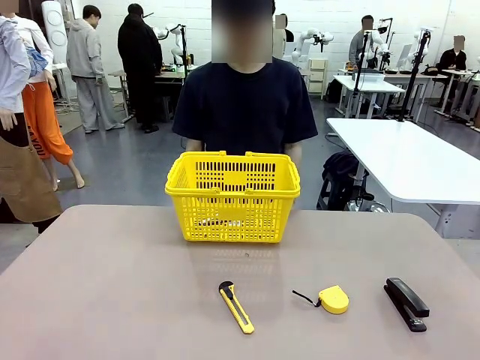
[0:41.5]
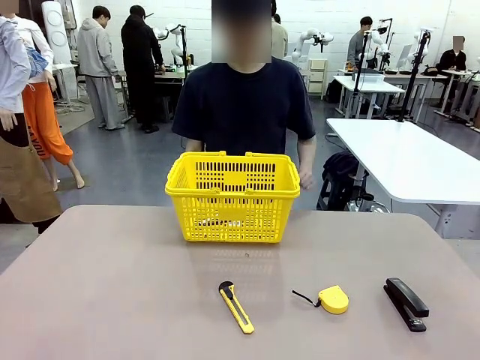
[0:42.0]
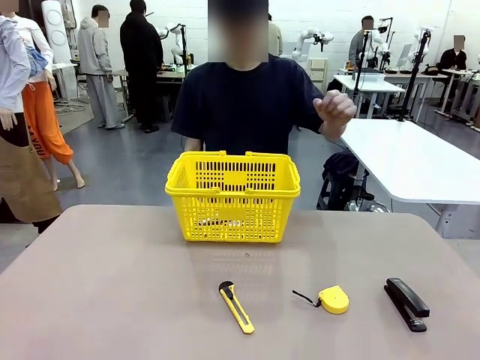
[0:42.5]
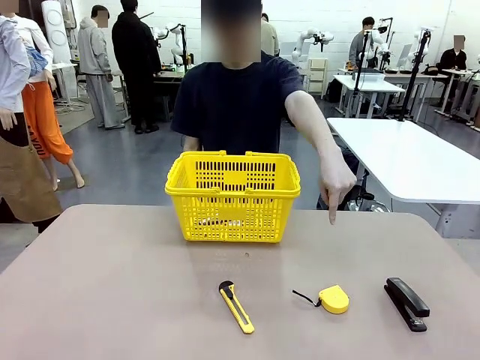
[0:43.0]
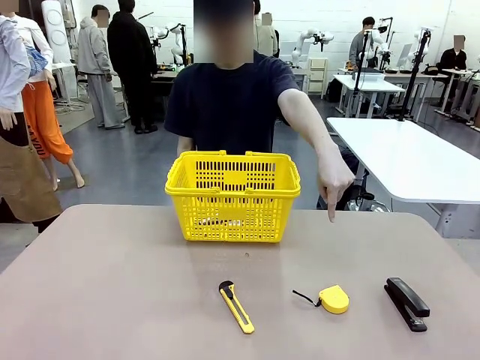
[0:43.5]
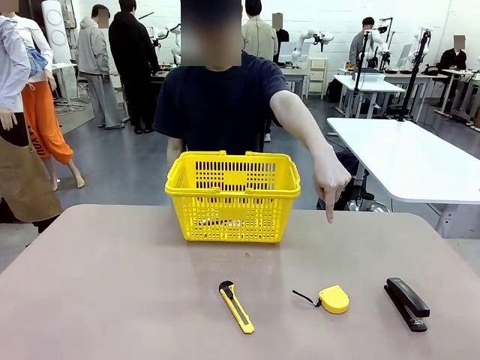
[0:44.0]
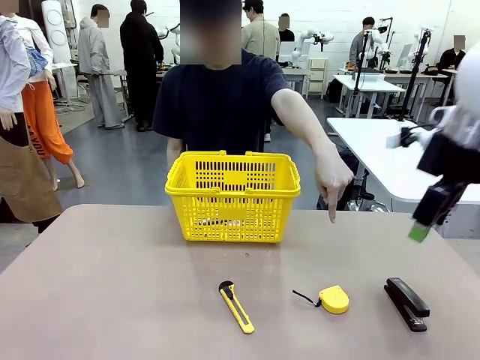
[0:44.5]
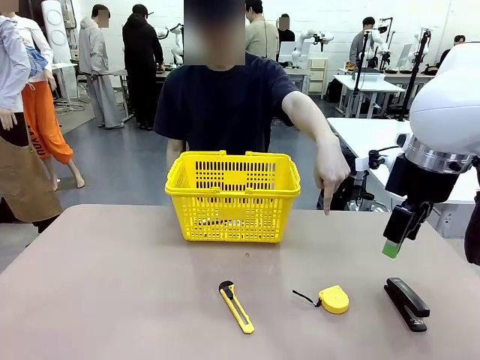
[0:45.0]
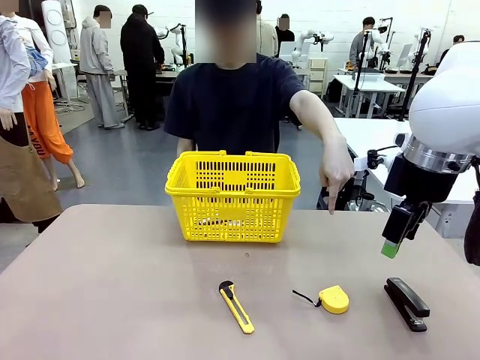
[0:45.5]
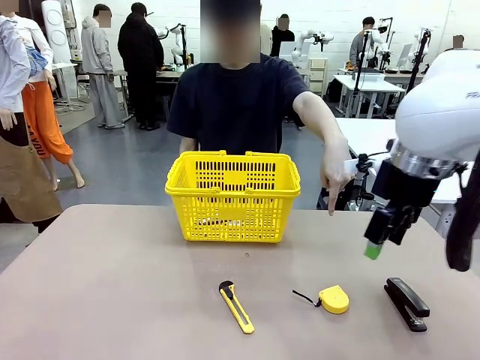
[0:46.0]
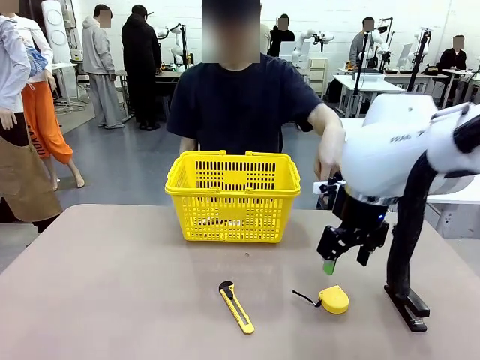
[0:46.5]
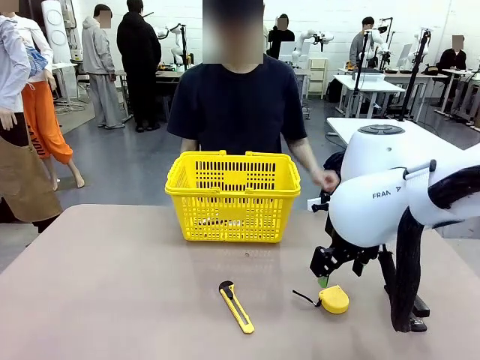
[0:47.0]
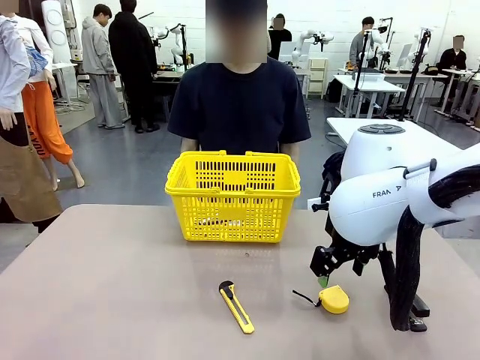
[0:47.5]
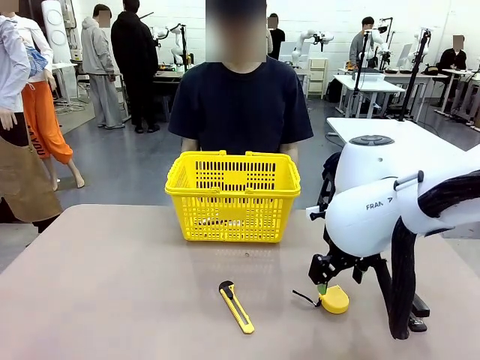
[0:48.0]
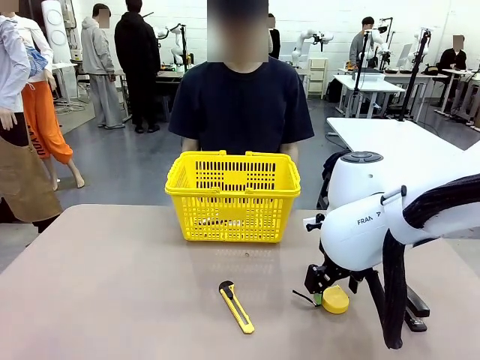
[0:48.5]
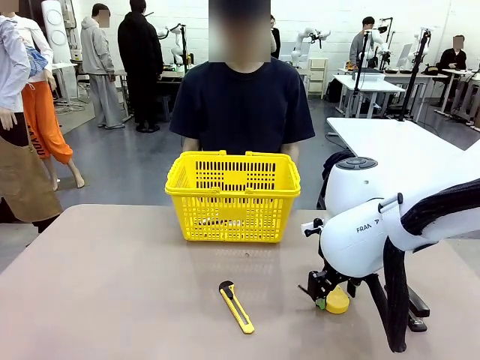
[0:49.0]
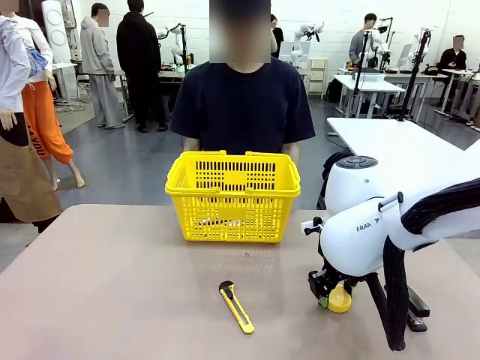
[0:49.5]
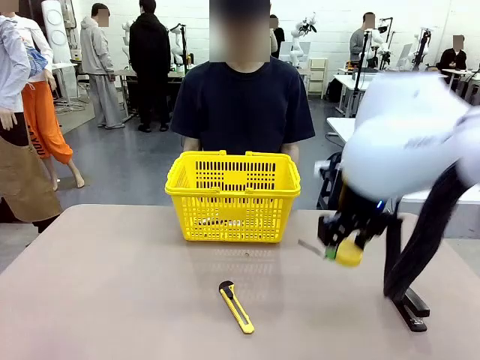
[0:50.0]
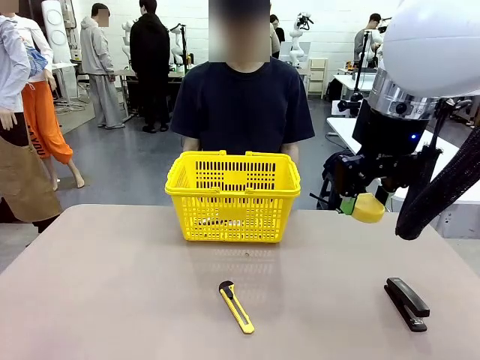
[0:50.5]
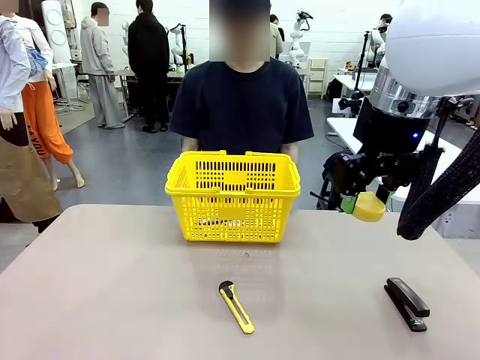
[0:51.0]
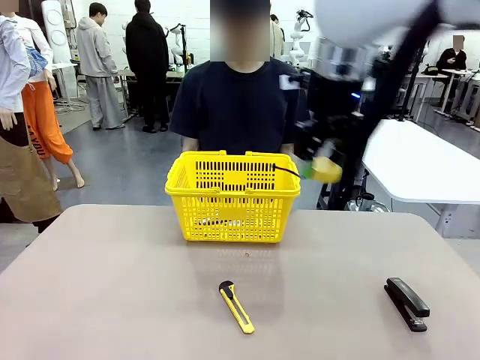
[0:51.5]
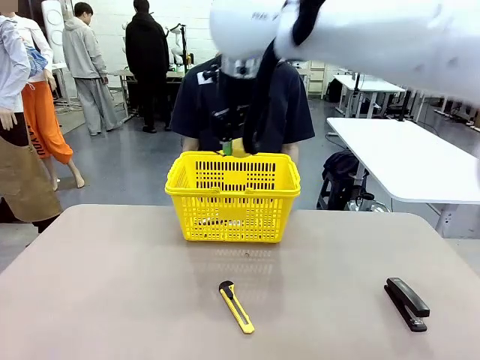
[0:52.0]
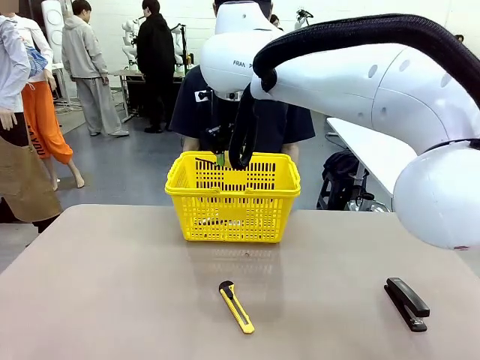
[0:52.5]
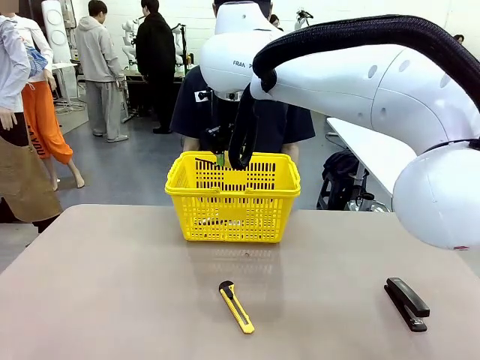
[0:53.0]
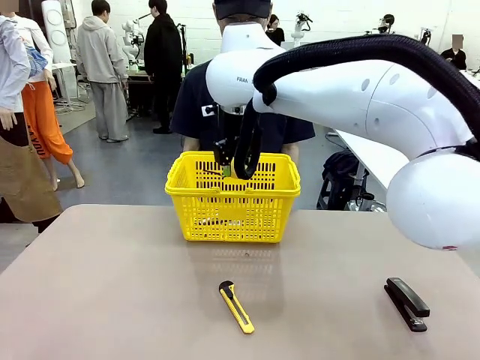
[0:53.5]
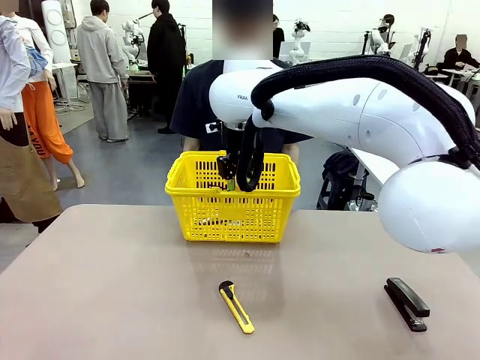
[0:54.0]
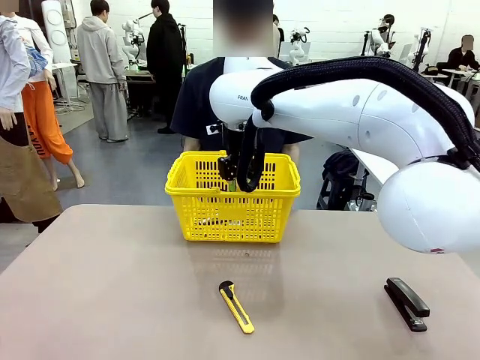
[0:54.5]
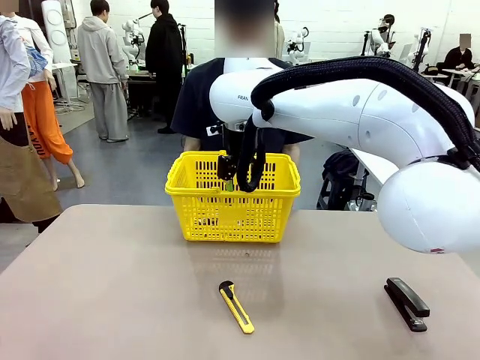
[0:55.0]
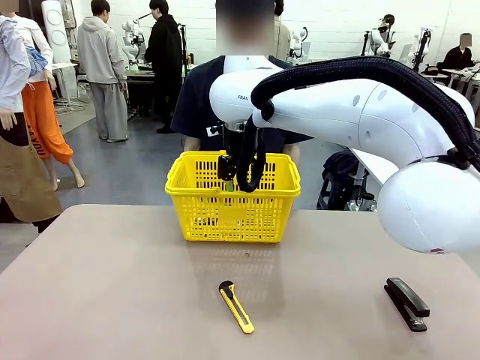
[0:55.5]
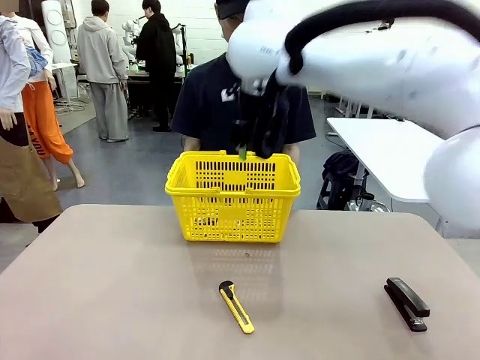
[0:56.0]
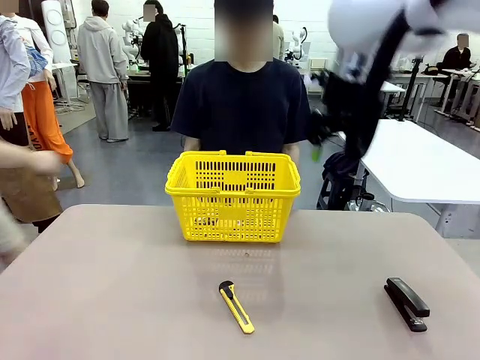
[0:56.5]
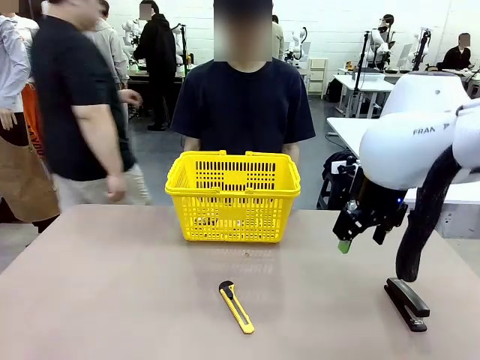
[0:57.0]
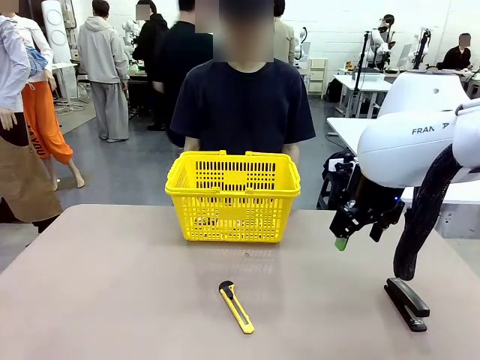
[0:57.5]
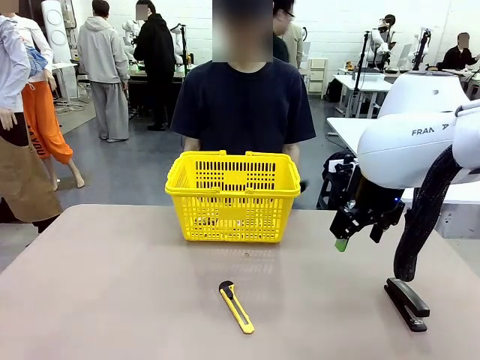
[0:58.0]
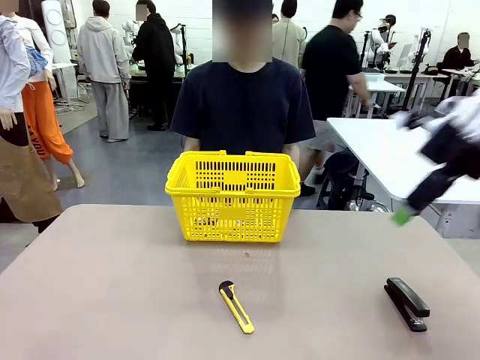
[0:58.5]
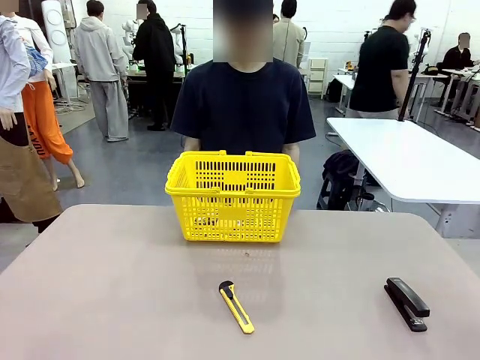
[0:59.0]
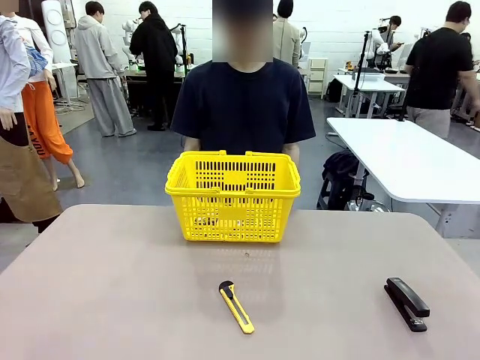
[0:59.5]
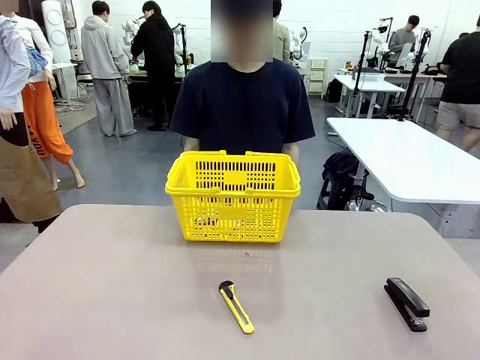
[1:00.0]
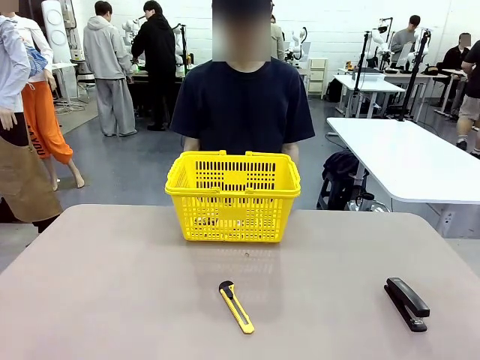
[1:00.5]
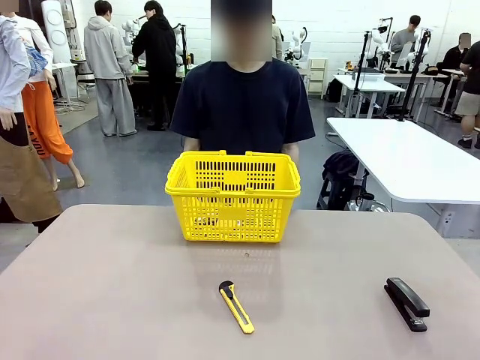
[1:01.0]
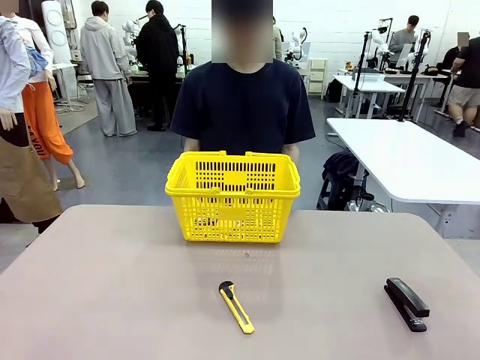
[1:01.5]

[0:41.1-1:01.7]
Task: Place the items the person wants into the basket.
Robot: Pick up the item the person points to and place it in the Market Basket.

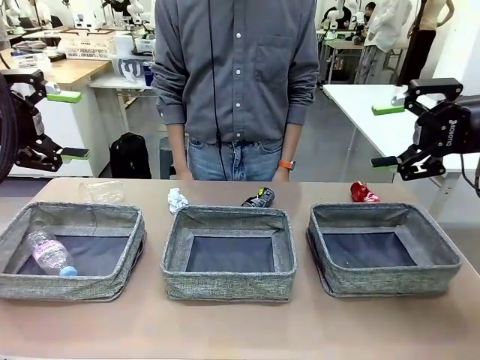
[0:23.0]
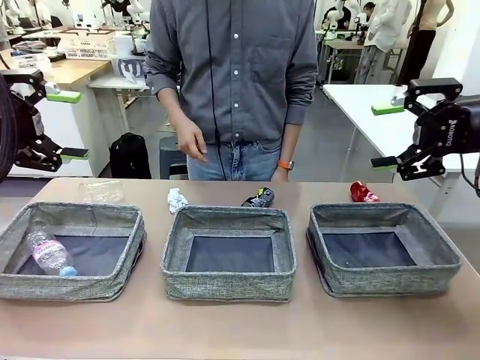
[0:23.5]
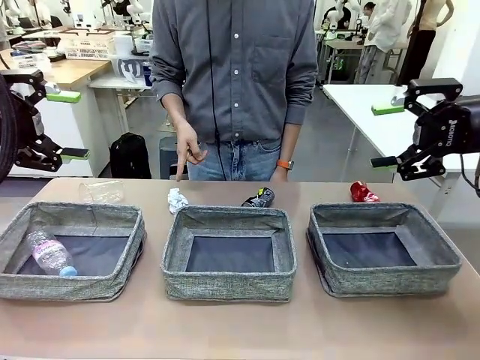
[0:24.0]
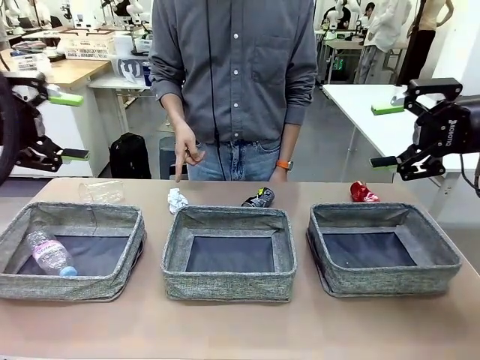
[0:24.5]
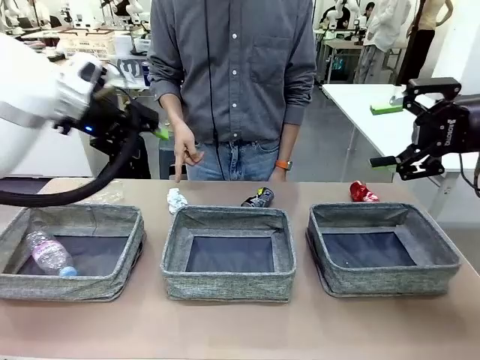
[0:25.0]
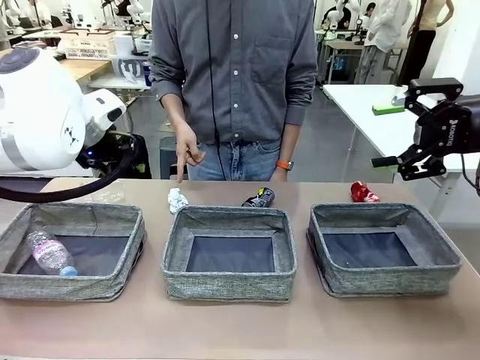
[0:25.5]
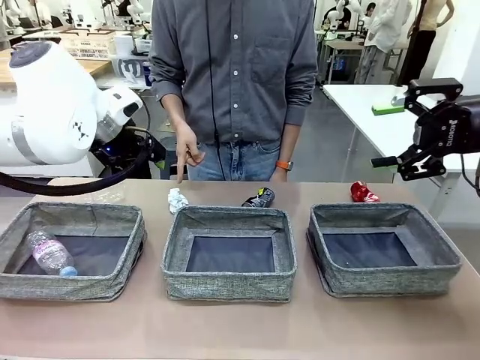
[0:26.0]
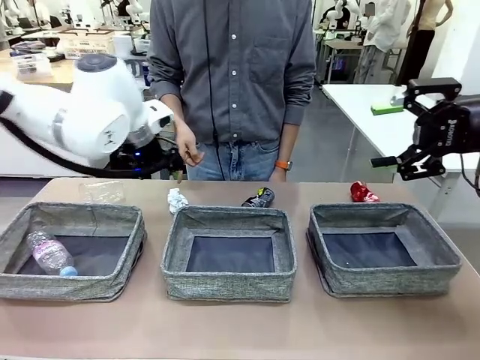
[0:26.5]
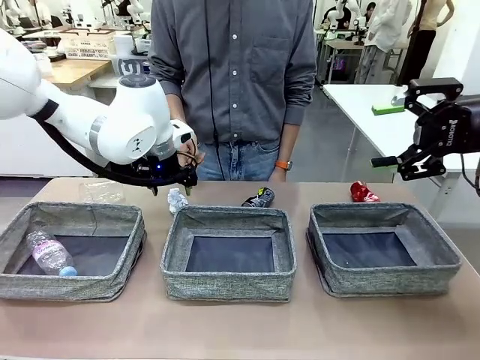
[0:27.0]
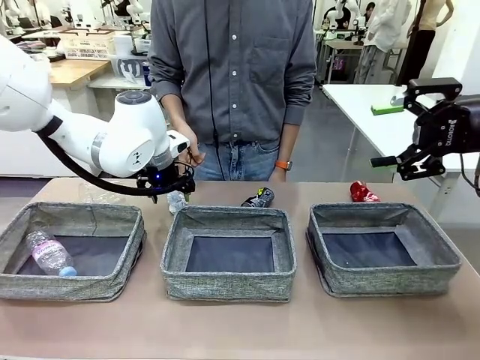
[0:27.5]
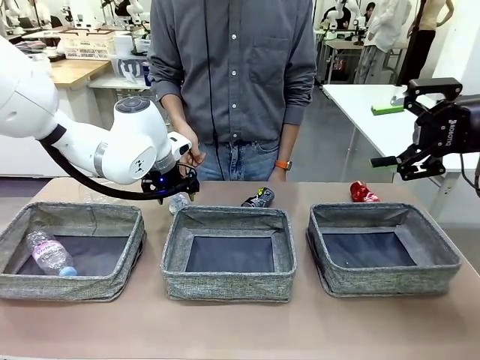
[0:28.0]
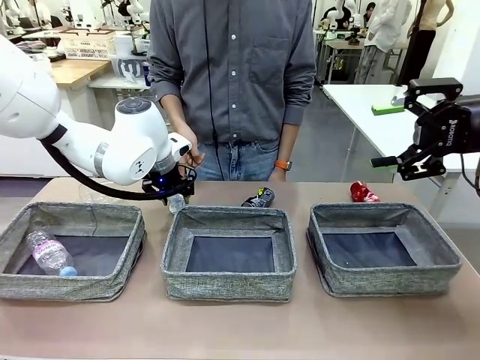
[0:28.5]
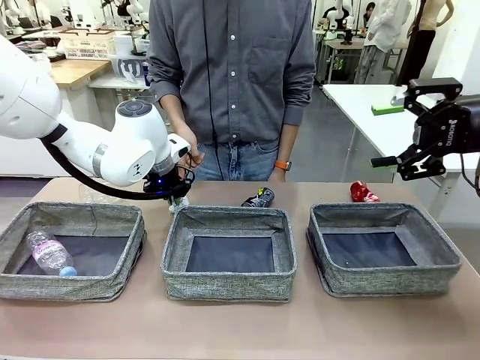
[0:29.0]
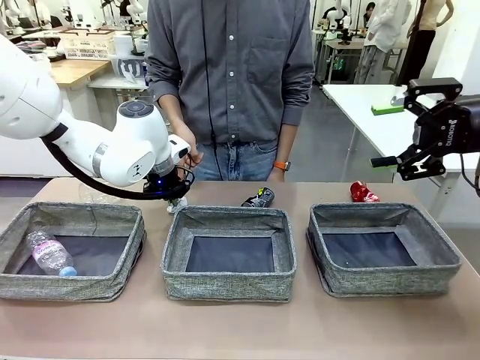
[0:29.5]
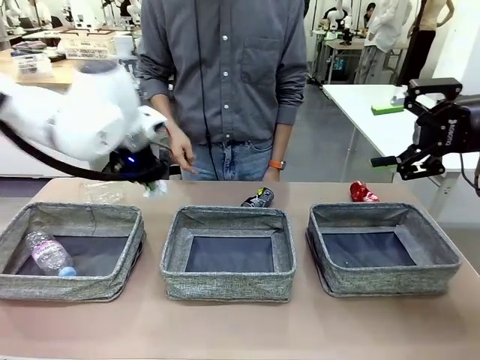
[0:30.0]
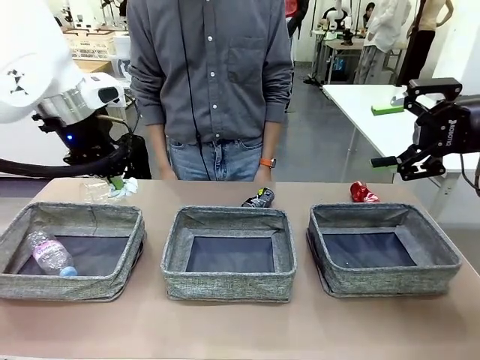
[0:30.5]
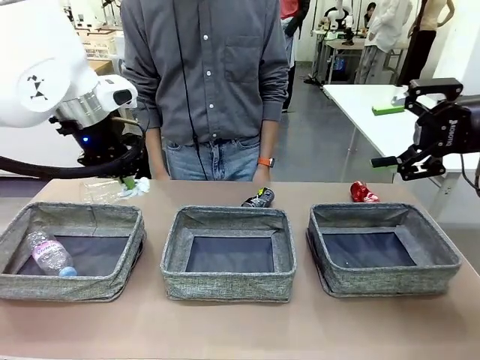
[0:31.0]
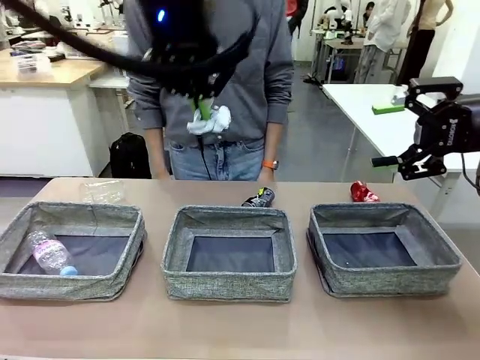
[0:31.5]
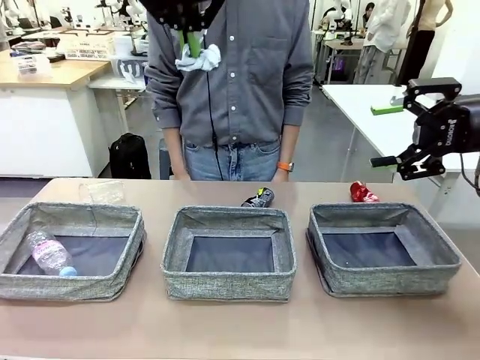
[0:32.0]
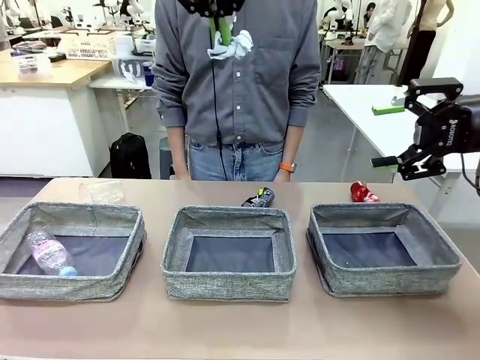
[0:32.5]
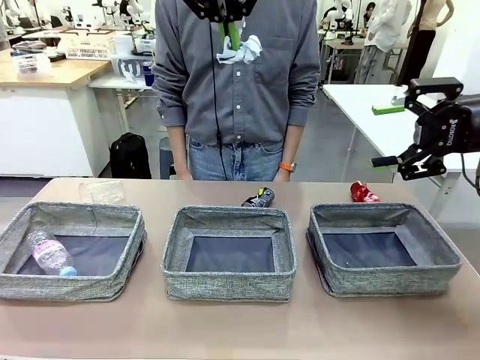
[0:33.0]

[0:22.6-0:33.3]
Task: Sort the waste into the appropriate baskets.
Robot: Pick up the waste item pointed out by the person.
Person: Points to one piece of trash on the table.
